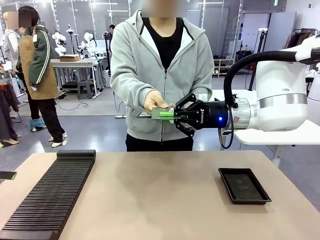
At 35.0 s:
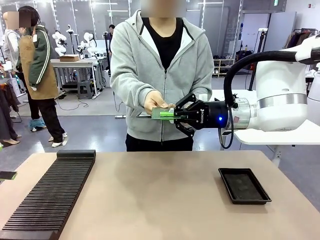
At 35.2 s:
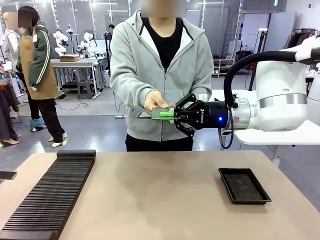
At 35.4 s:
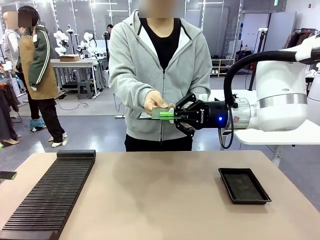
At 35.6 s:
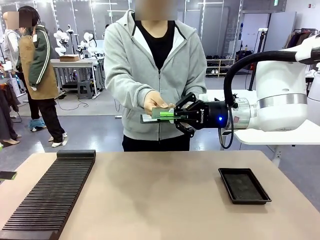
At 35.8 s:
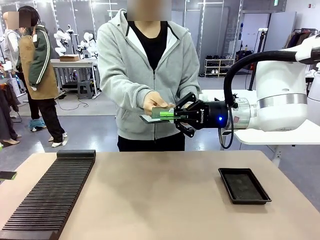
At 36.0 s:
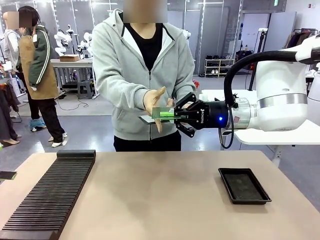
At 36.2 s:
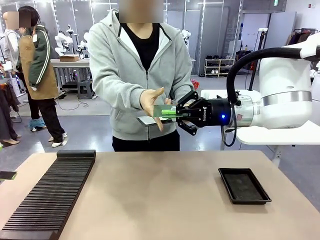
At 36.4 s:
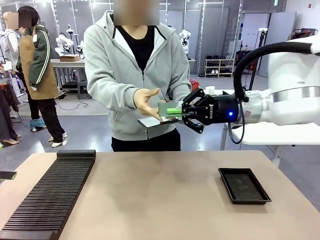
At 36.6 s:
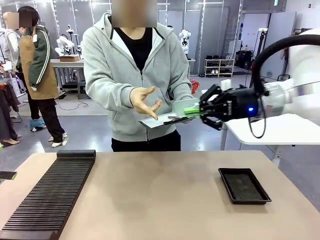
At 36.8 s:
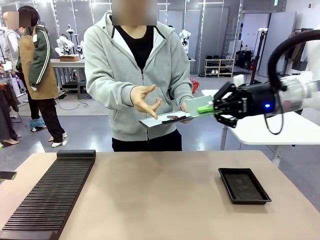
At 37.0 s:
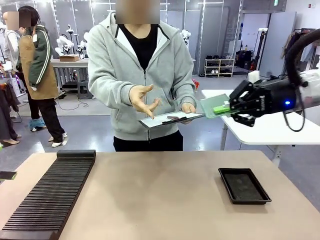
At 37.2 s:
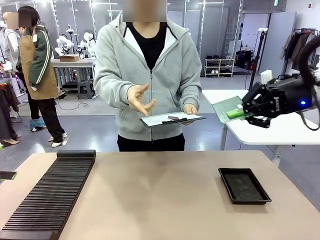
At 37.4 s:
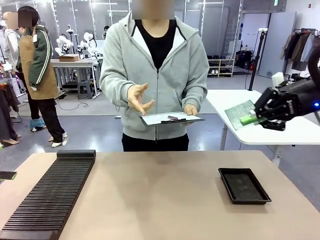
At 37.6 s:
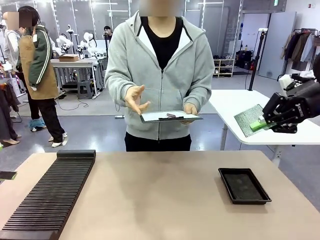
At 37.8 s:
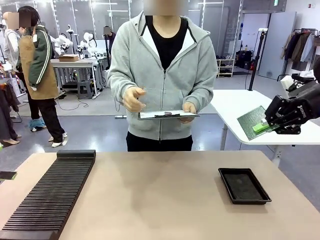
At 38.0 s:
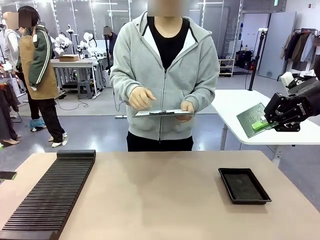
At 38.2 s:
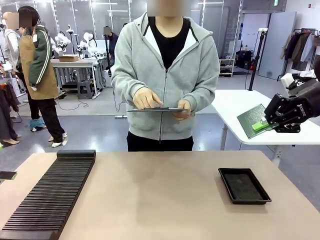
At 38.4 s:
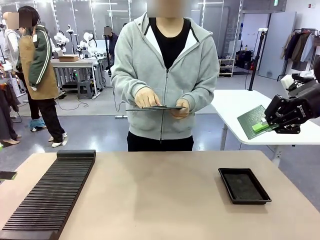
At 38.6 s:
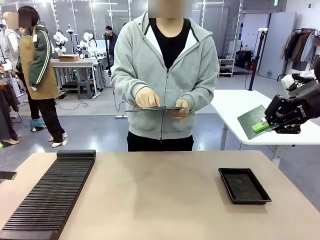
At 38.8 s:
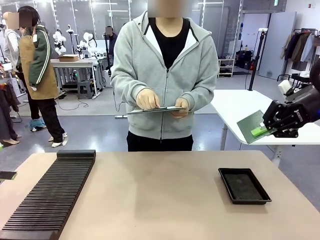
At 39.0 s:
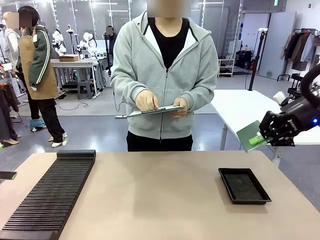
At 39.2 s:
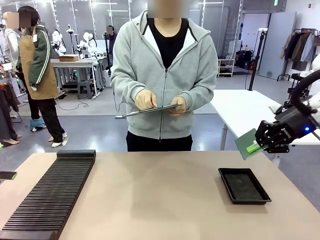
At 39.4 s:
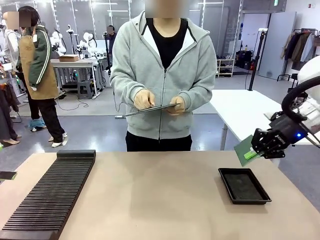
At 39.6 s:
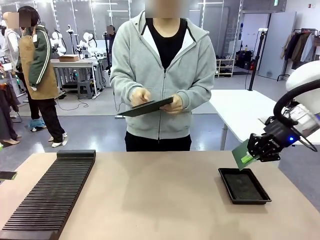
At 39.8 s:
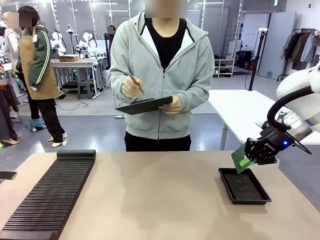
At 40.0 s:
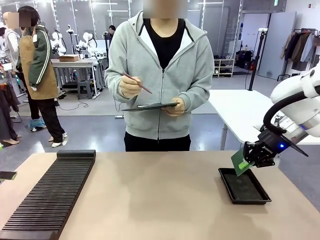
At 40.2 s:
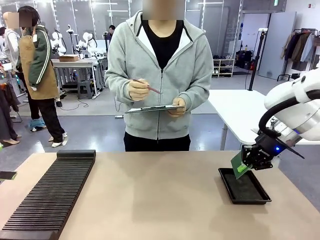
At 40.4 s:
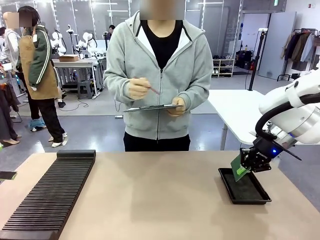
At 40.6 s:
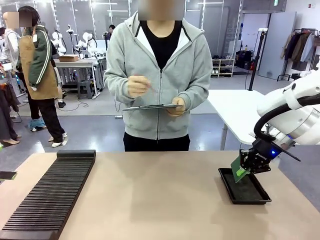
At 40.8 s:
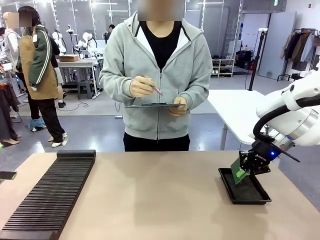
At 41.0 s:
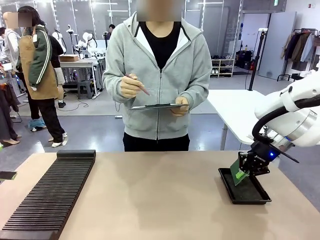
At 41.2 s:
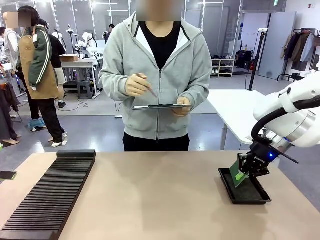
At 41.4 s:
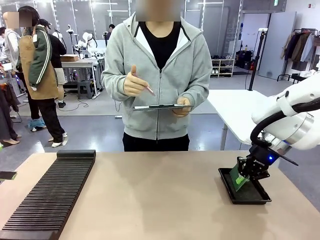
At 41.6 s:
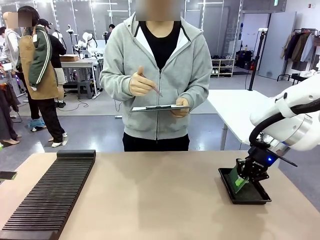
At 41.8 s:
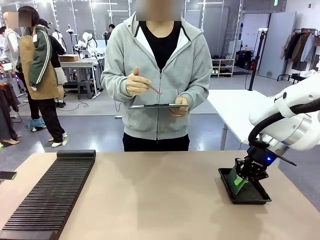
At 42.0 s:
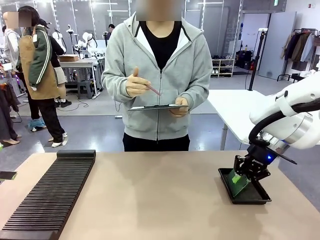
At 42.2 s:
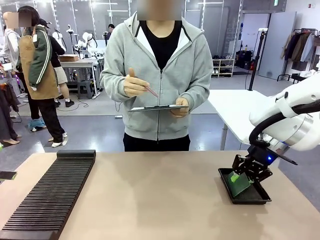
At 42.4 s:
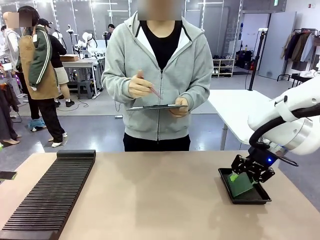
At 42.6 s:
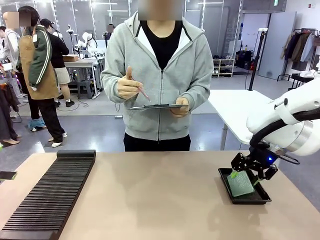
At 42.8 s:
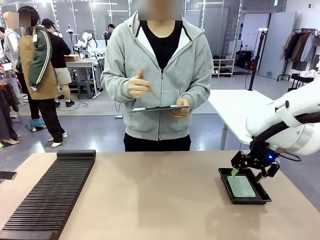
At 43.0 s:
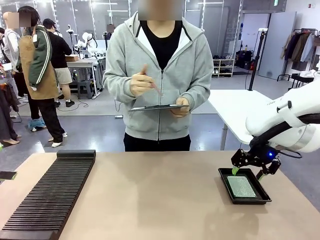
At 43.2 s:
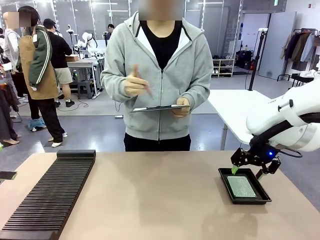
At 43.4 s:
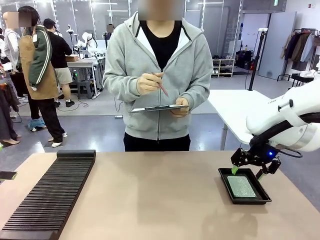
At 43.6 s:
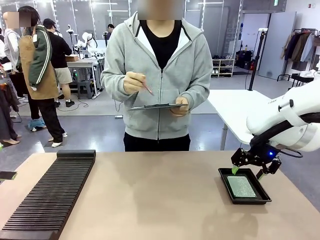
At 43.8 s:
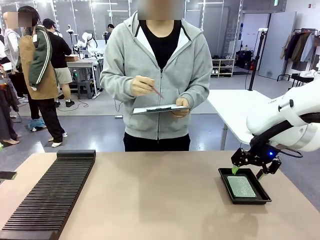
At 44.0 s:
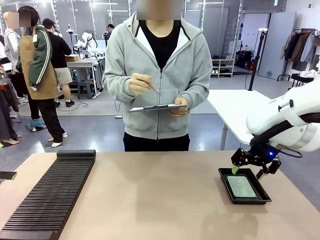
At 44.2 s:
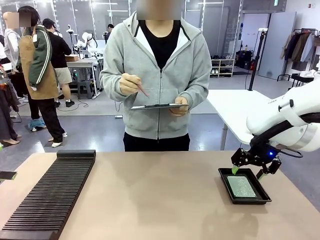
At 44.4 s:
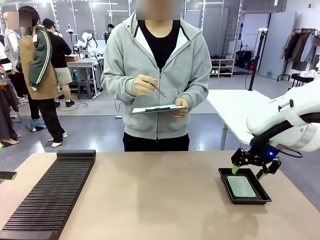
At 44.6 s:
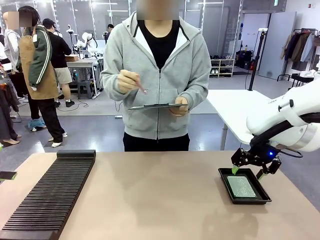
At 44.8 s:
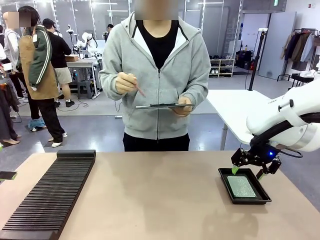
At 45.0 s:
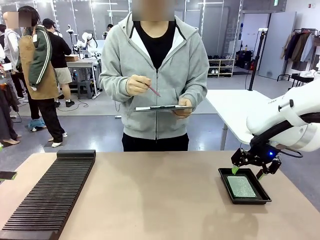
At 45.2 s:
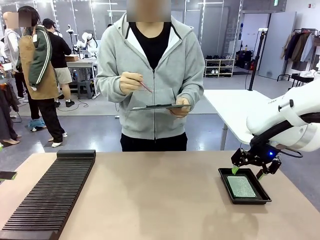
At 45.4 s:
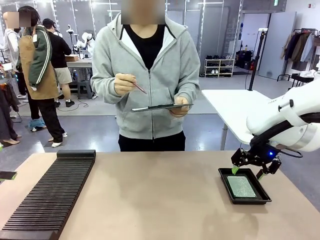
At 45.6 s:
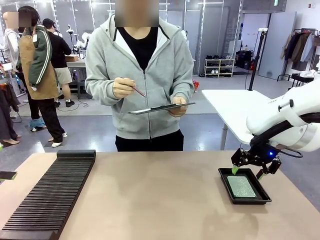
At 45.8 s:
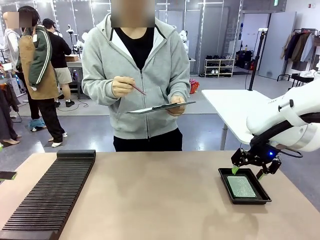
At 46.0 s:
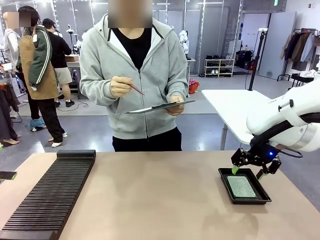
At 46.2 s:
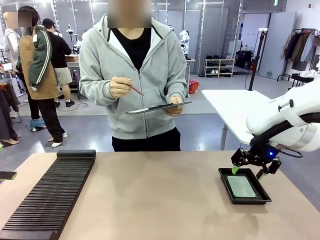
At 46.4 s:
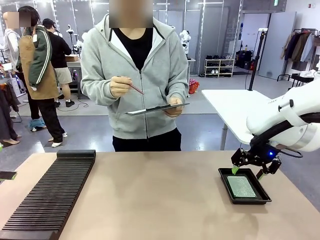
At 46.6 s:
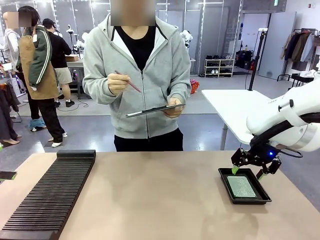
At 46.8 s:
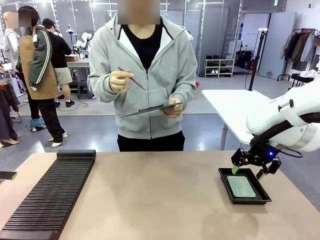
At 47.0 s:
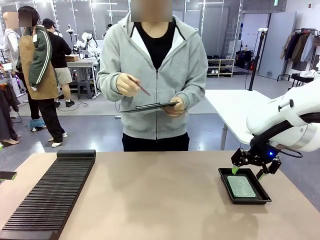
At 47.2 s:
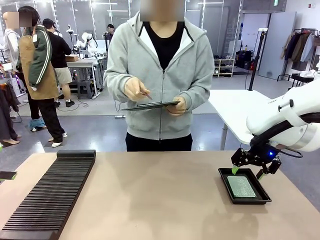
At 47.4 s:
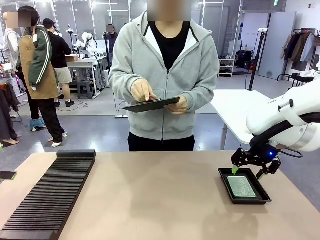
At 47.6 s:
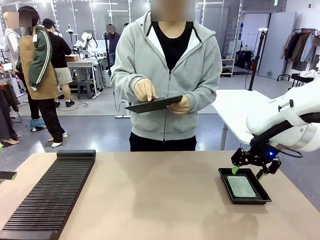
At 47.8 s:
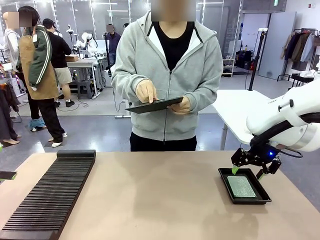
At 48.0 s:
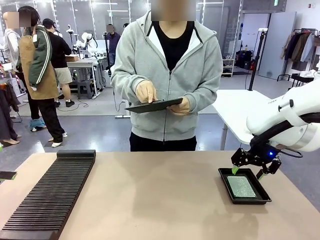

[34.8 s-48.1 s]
Task: Inspect the PCB.
Robot: Place the Blank PCB in the ESD tray.
Person: Record the PCB status on the paper.
